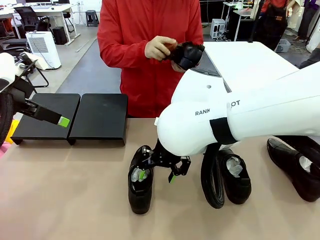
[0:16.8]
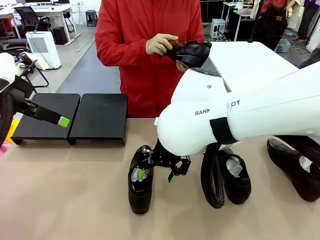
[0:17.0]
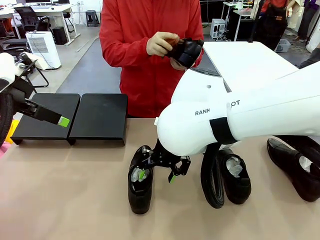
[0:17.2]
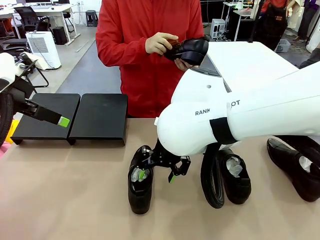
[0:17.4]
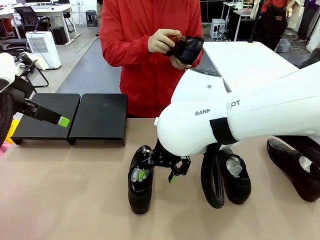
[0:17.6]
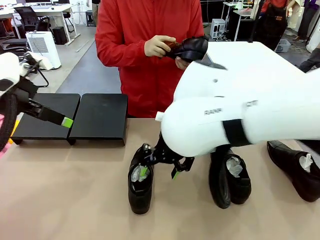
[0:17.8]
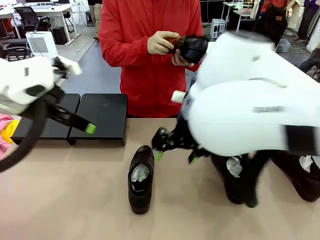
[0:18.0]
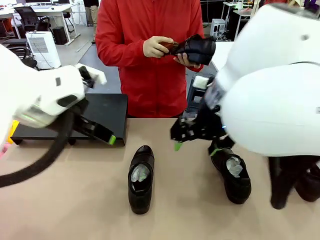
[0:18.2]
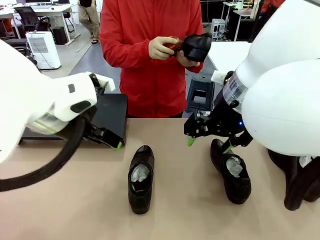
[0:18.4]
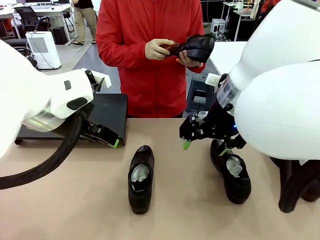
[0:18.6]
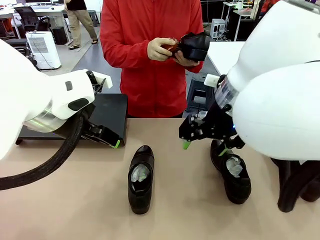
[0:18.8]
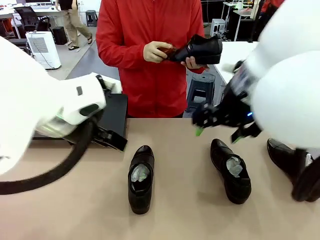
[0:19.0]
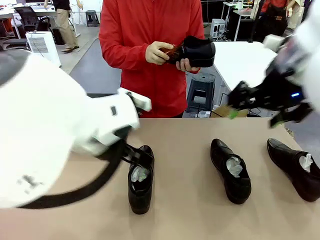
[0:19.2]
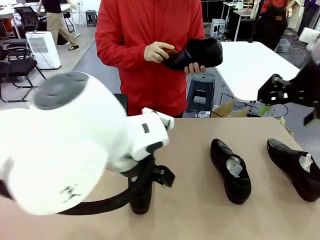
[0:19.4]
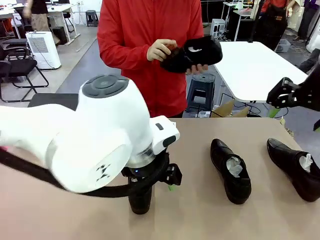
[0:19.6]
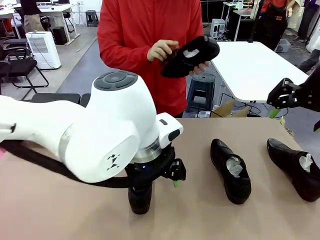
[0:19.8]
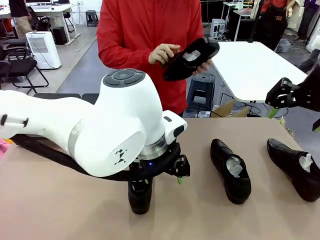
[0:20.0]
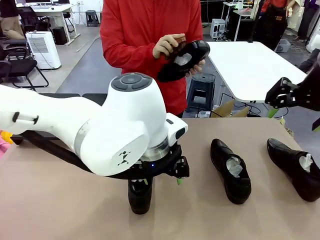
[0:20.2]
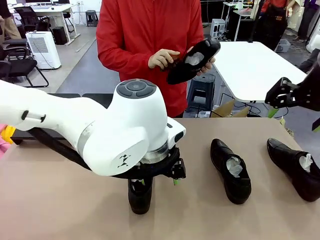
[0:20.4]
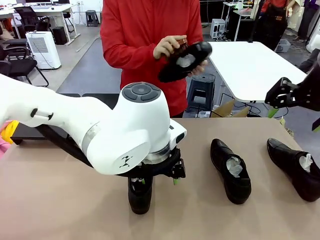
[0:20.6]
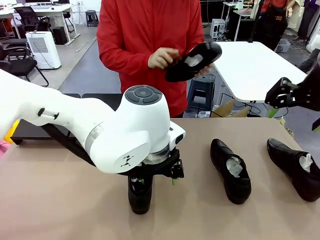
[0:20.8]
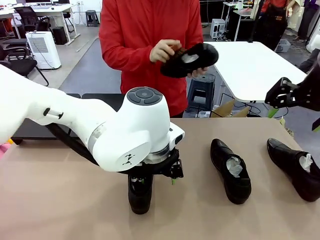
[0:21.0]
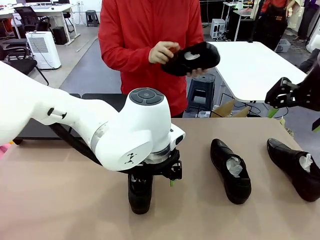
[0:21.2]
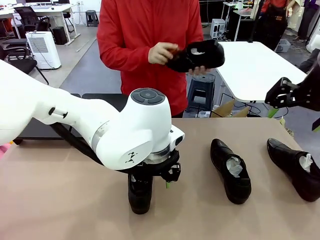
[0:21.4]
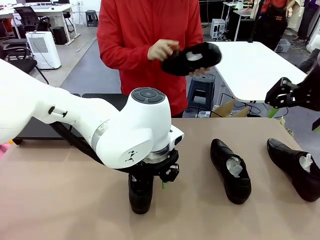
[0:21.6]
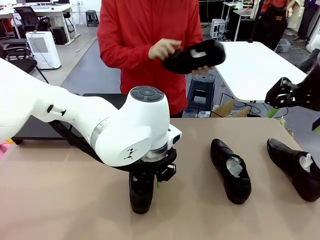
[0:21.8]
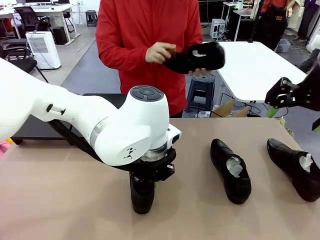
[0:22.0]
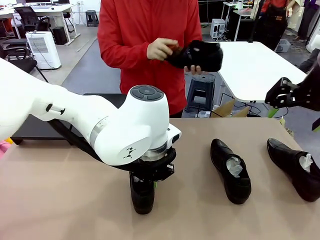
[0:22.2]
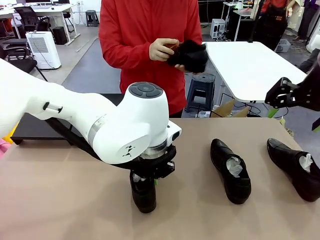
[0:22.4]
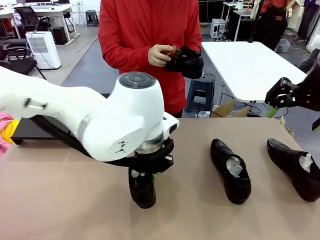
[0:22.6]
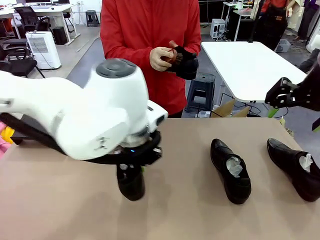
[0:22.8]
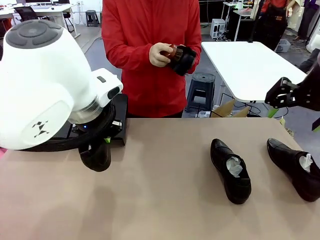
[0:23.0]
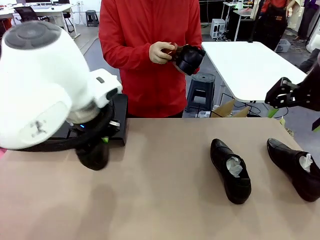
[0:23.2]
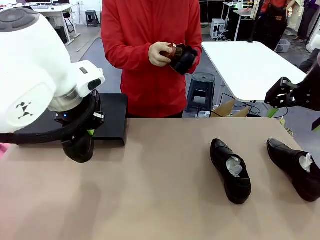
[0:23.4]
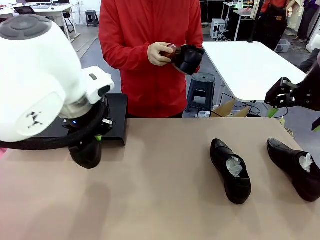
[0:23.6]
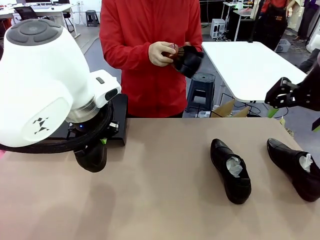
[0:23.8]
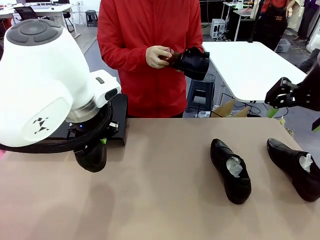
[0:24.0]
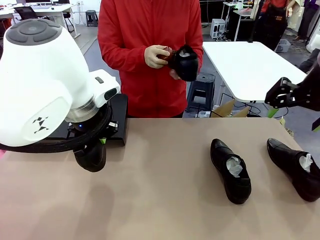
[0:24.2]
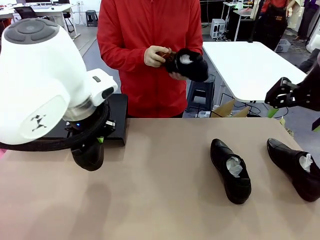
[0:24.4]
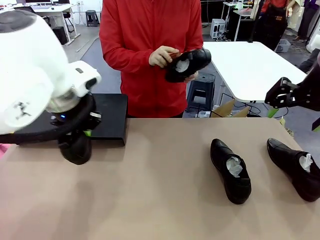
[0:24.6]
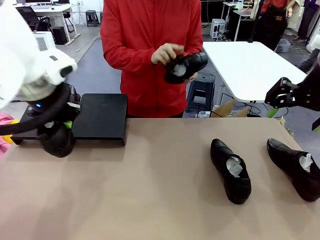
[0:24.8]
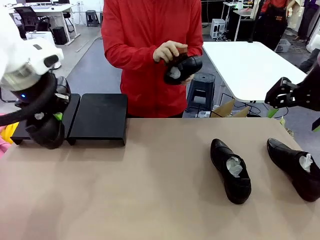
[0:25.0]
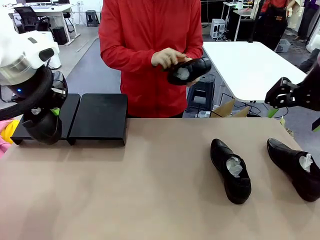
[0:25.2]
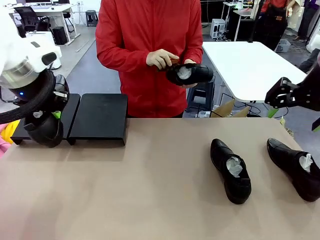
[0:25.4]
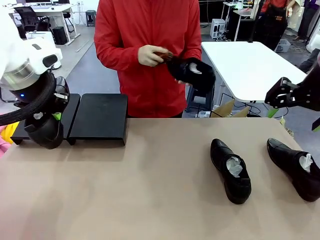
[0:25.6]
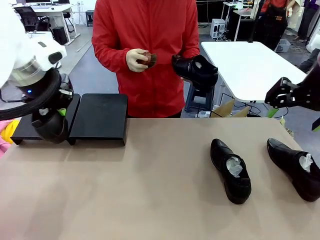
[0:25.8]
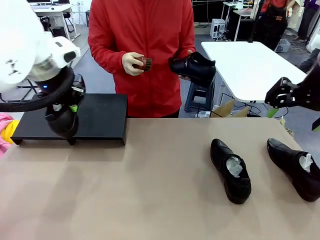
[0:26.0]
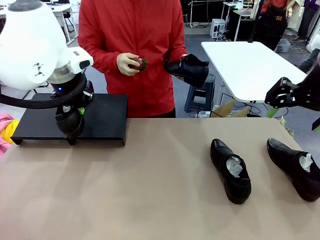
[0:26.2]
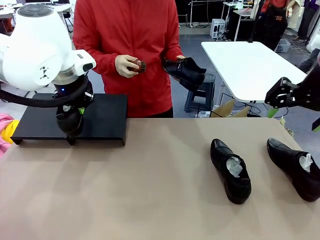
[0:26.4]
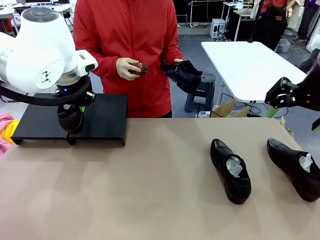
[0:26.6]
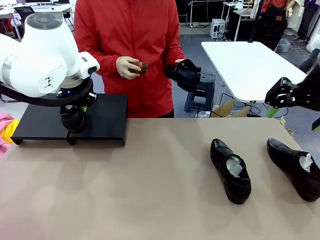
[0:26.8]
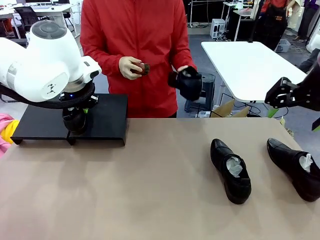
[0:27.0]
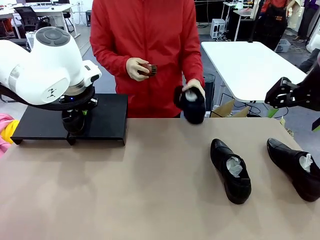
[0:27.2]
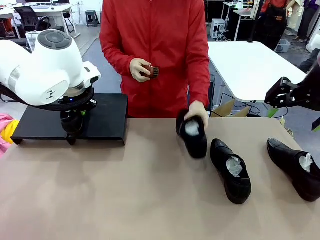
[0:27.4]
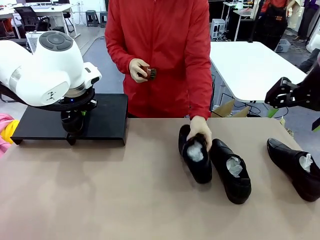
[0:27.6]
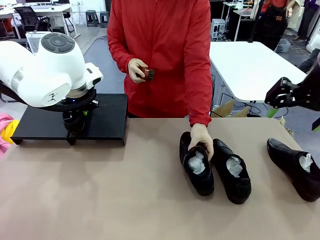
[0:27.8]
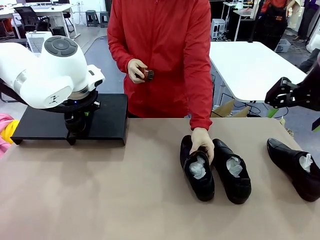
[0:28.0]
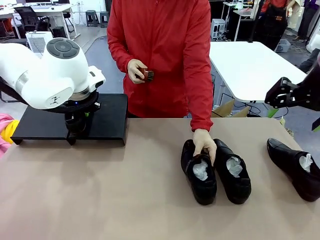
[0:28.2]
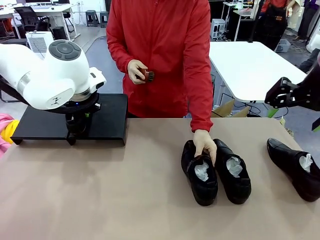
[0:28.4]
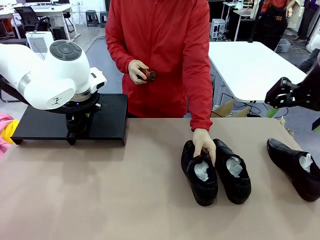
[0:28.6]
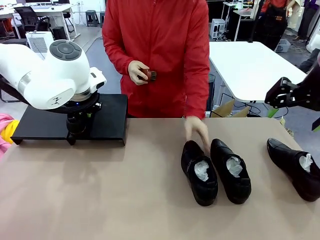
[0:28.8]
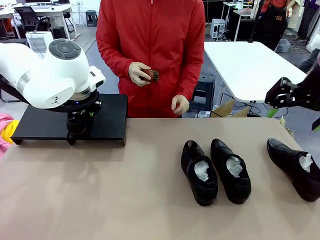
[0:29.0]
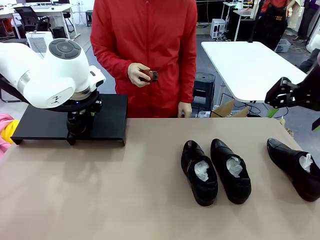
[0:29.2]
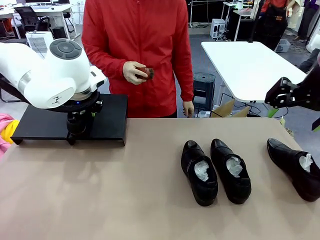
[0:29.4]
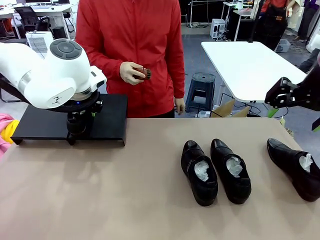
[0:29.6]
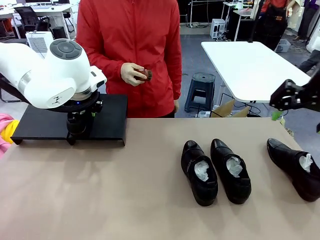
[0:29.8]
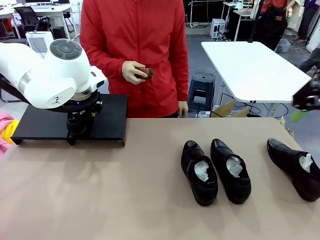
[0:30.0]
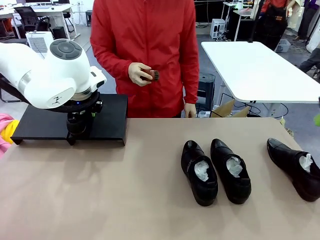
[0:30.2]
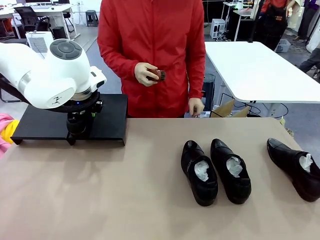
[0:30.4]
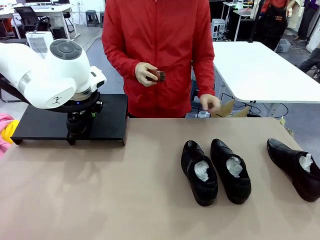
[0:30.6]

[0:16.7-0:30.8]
Task: Organize the shoes by placing them on the stand.
Robot: Place the Shoe from the middle of the table onto the Shoes Stand.
Person: Place the Shoe on left side of the Robot's table.
